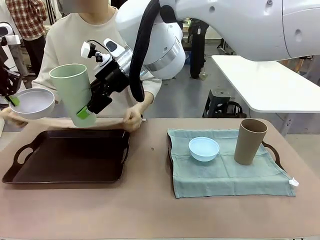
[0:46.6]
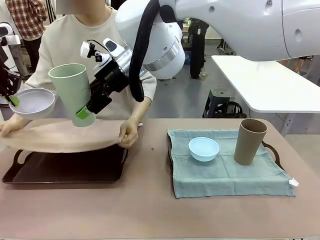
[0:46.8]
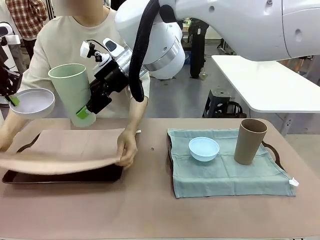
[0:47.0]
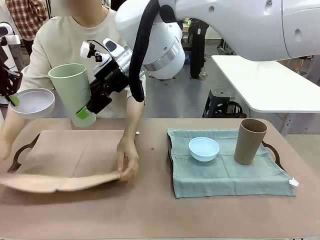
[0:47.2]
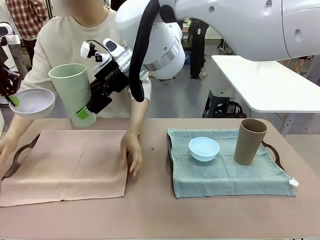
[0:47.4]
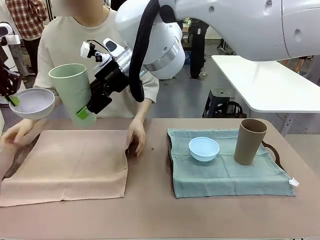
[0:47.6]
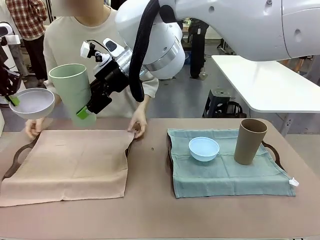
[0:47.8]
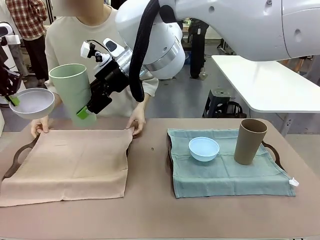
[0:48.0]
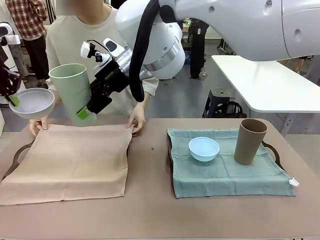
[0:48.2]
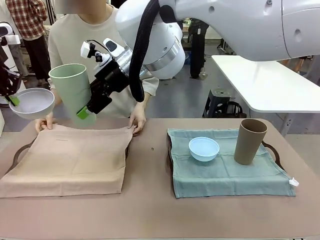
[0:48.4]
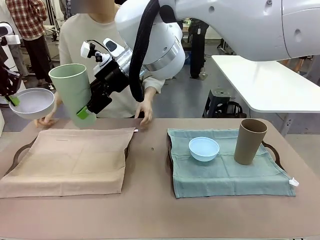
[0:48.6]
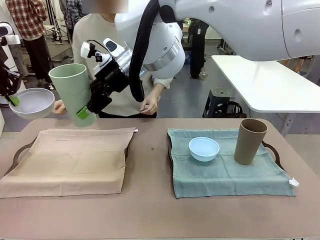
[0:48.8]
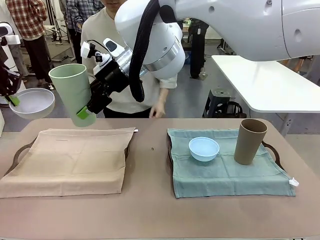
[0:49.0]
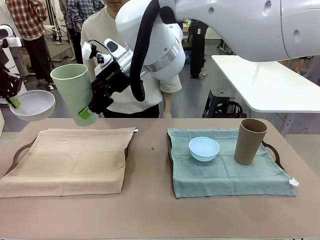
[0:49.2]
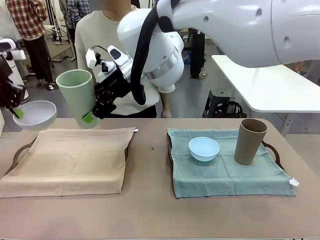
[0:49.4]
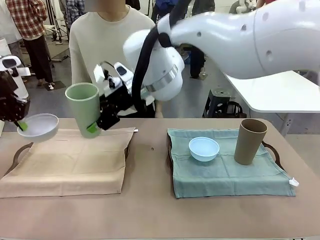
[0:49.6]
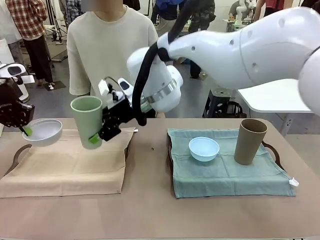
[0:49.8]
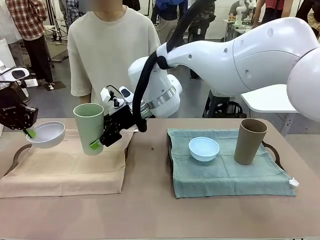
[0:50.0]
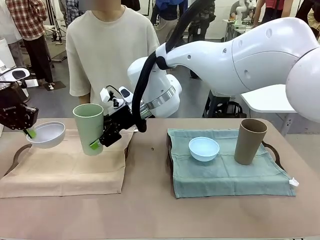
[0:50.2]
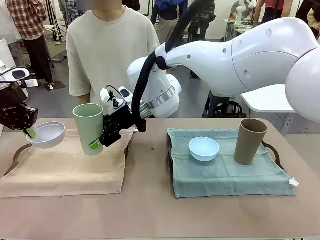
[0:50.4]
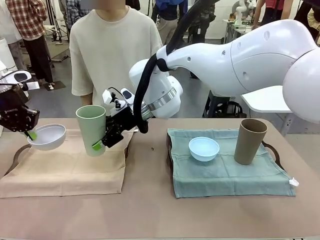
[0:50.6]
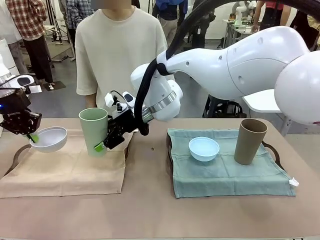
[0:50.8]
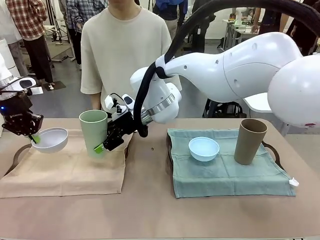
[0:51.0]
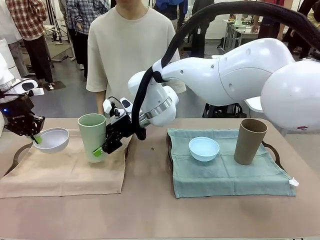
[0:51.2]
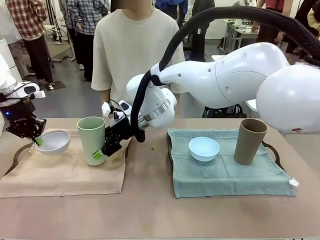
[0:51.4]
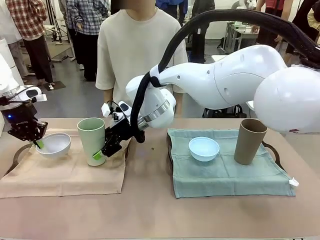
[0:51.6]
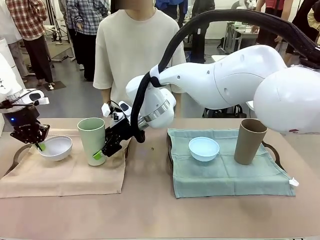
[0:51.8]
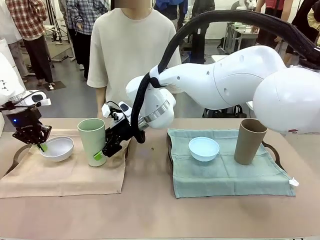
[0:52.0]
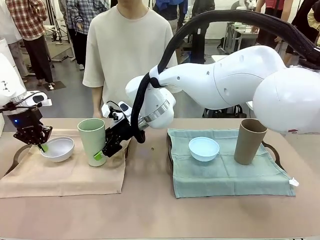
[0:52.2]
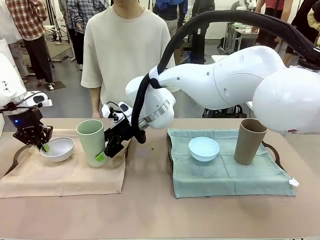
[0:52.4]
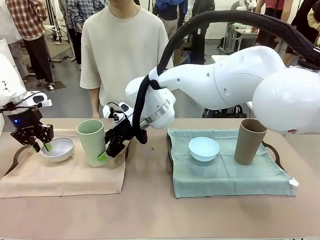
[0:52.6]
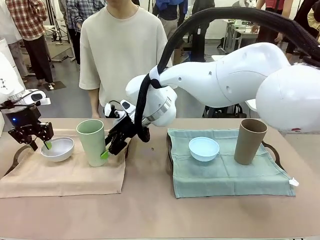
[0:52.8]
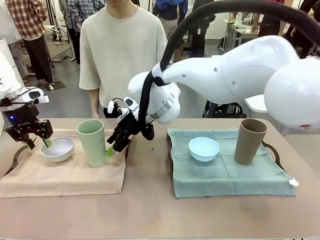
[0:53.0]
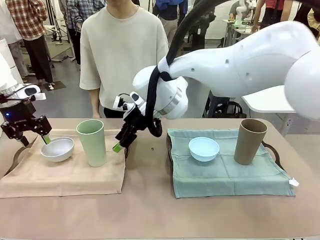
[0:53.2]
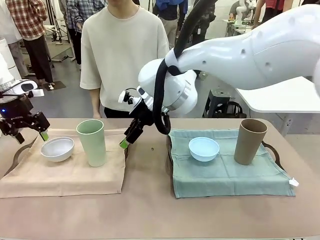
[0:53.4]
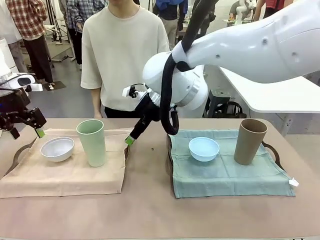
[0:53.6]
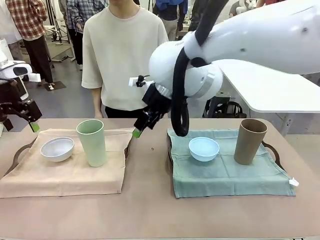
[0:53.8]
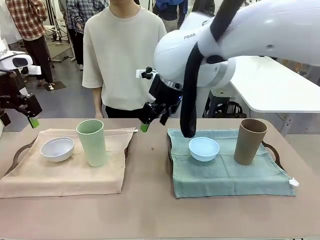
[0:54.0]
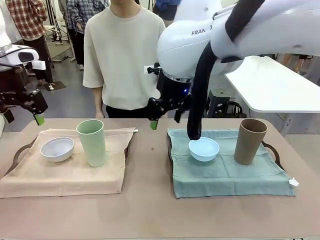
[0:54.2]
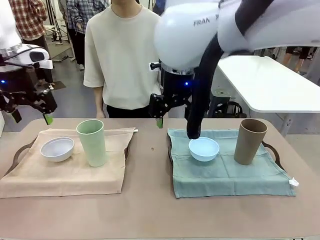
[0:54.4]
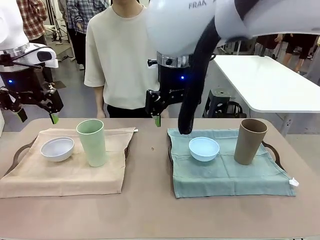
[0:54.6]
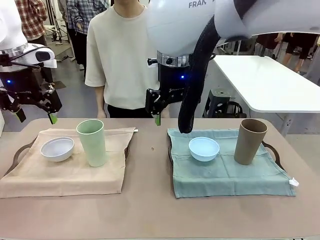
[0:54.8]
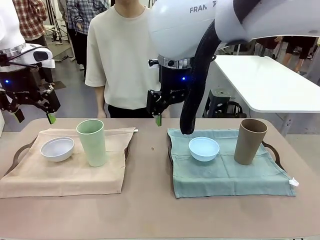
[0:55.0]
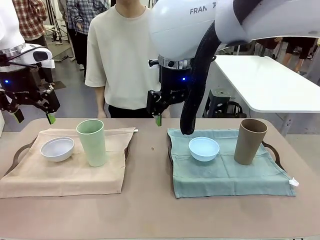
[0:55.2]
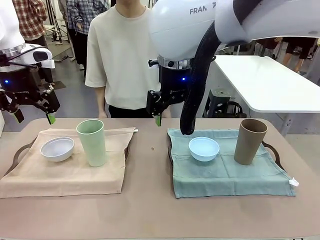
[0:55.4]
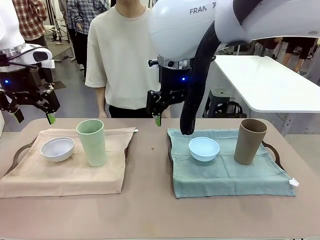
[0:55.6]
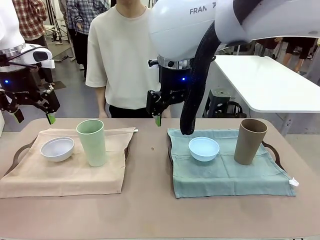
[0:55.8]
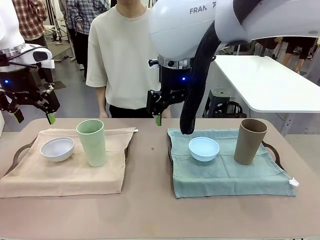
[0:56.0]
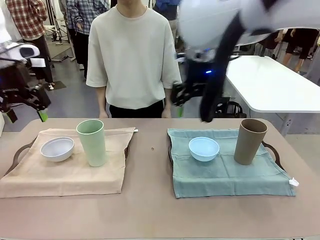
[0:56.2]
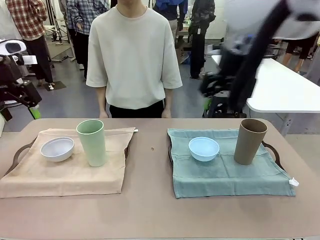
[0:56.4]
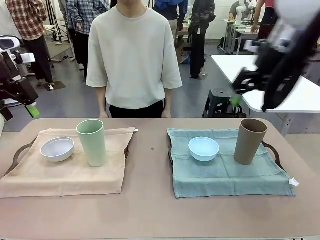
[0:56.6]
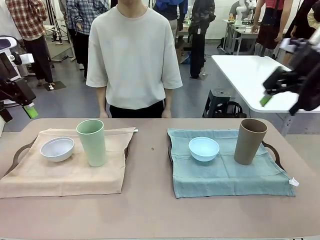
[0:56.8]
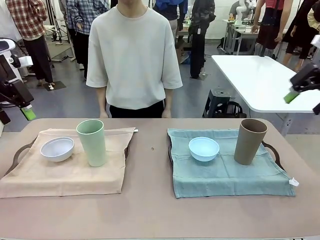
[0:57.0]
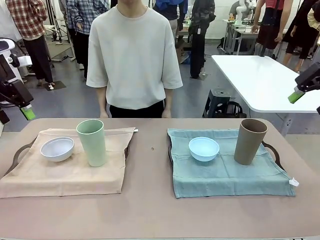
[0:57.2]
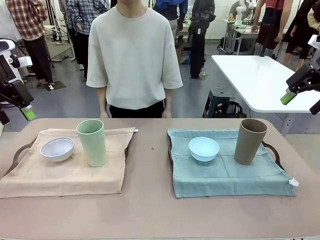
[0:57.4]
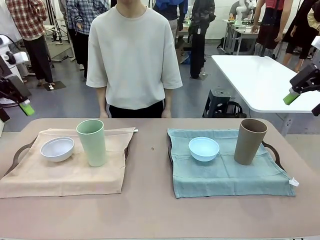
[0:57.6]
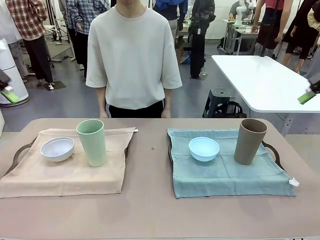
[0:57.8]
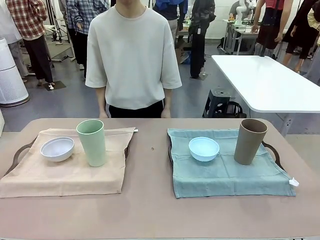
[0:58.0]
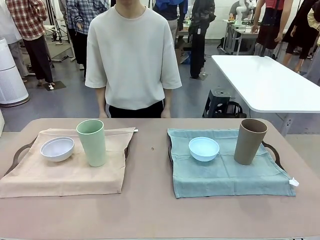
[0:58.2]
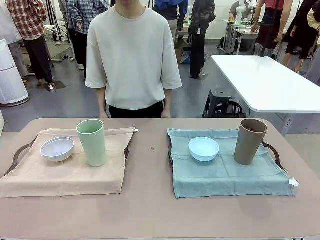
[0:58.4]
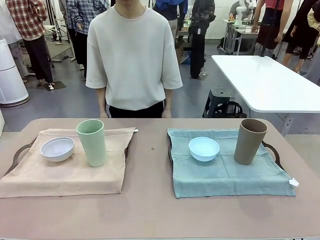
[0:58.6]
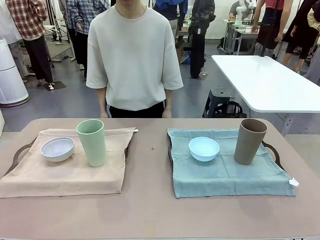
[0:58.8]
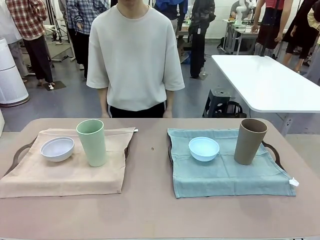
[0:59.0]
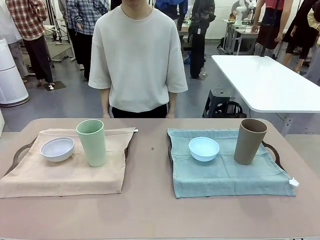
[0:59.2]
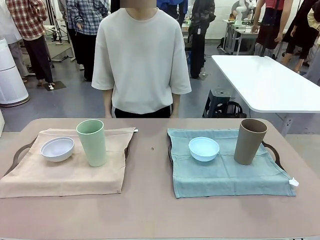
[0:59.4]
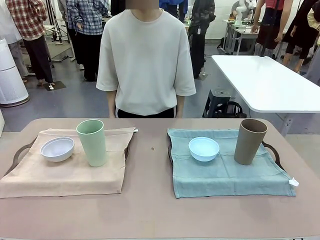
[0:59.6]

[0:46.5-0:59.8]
Robot: Place the Picnic Bowl and Reusable plastic cup back onto the Handle tray in front of the human's position.

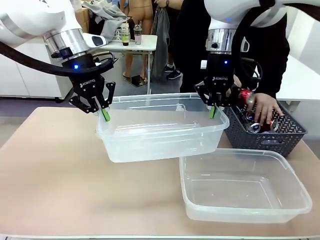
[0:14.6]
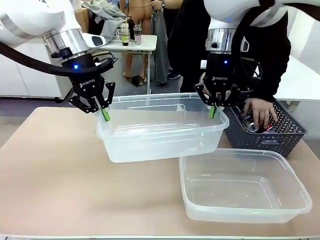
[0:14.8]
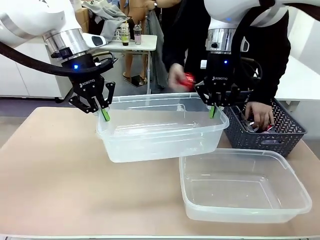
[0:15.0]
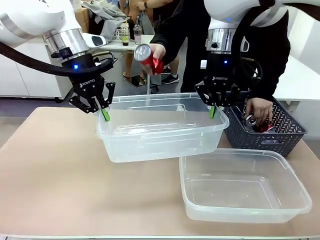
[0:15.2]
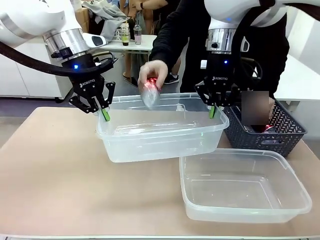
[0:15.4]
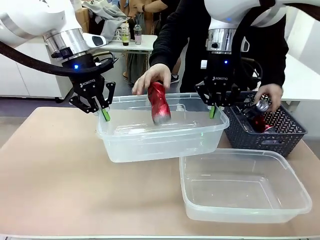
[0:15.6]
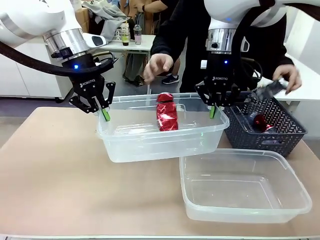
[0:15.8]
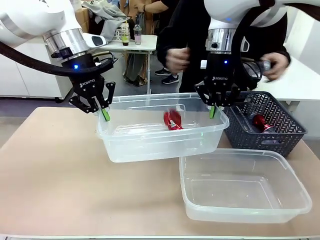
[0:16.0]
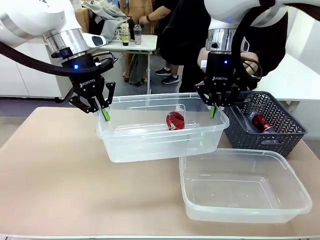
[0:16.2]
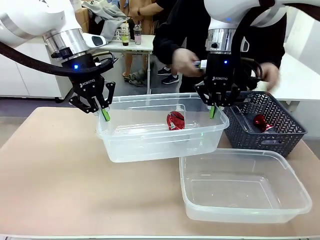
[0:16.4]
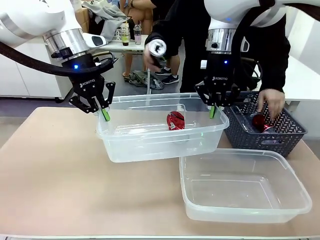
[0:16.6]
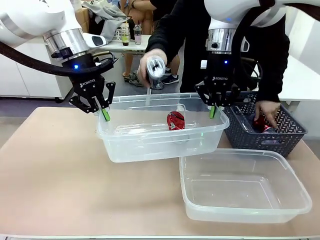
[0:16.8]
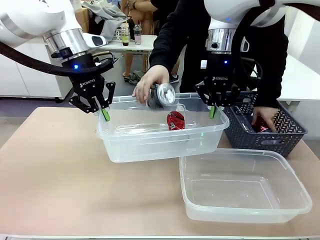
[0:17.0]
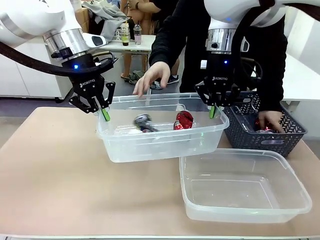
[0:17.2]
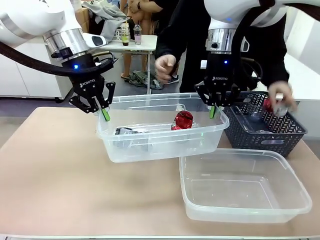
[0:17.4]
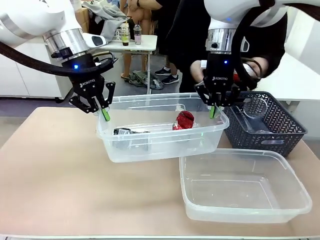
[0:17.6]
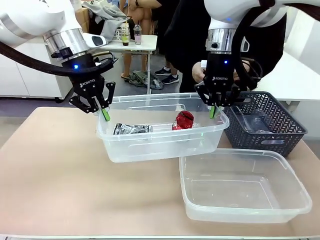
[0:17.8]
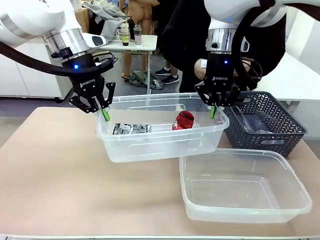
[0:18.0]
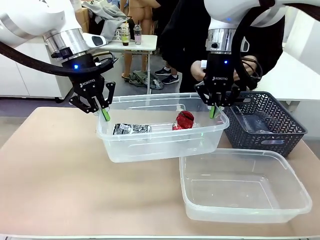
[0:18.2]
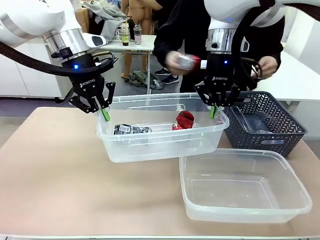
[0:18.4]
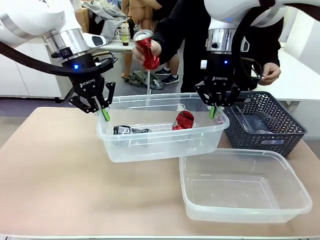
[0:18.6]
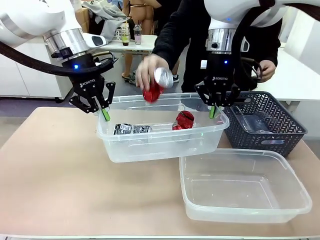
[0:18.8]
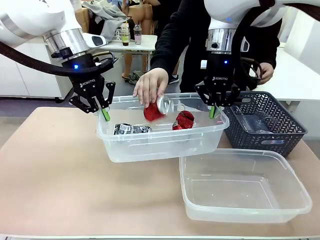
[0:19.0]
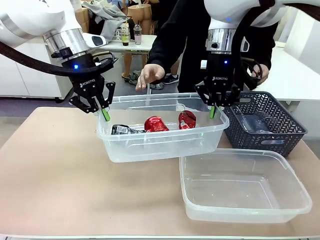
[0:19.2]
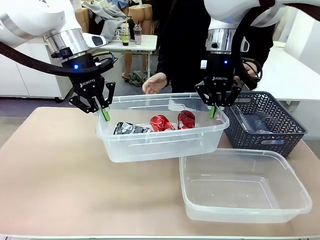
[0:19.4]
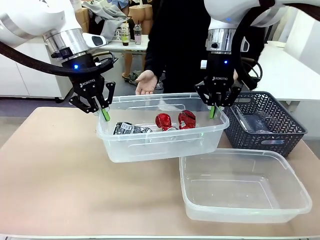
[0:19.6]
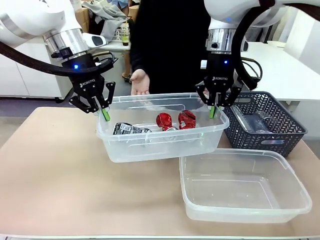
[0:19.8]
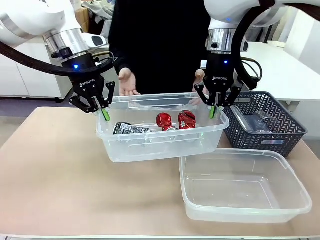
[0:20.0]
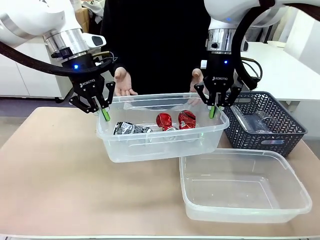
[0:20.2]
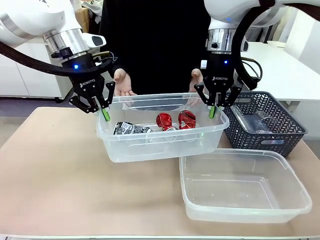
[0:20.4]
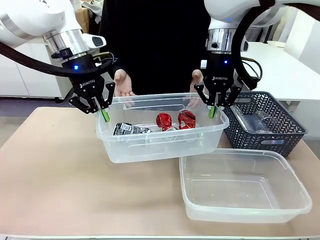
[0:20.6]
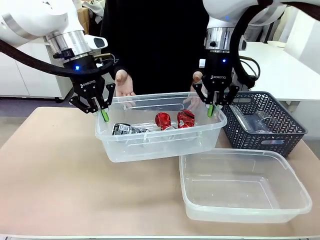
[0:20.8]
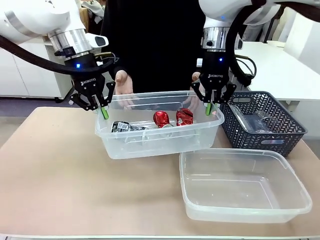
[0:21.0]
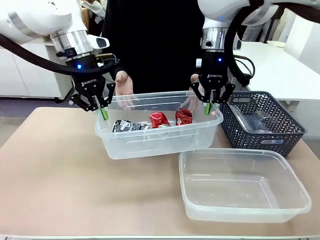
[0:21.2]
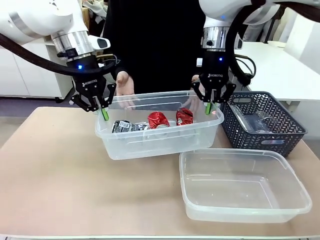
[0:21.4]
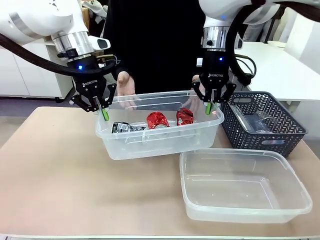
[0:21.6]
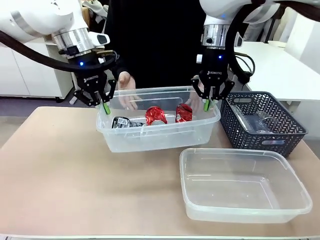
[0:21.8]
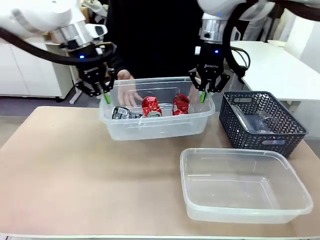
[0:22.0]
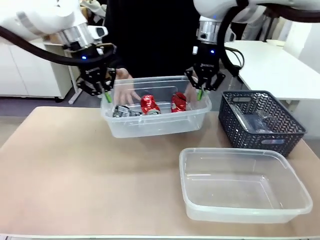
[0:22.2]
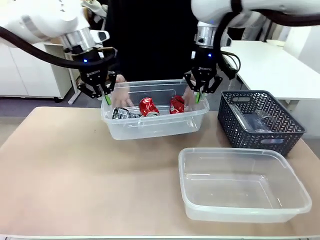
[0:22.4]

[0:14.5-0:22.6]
Robot: Offer the picked Organizing box to the human.

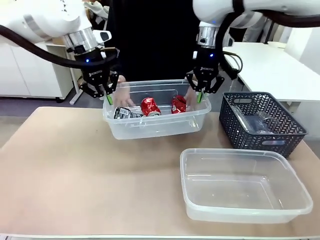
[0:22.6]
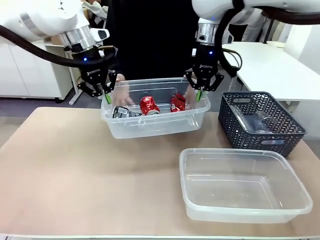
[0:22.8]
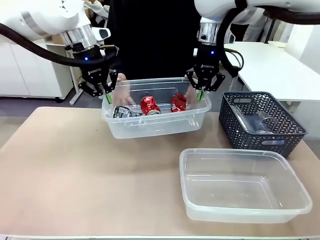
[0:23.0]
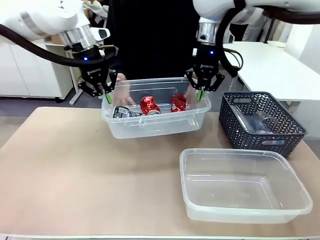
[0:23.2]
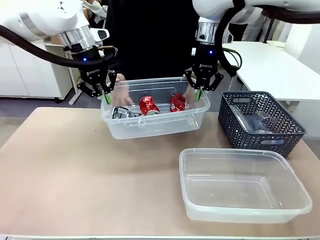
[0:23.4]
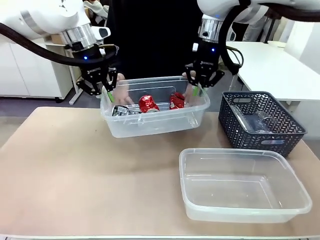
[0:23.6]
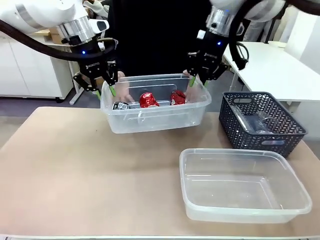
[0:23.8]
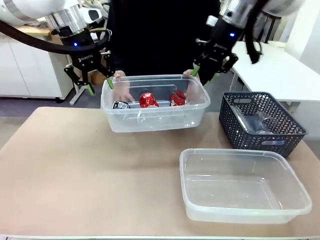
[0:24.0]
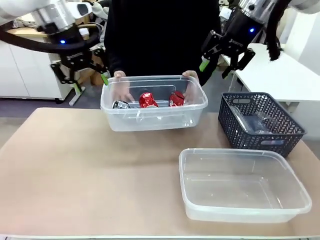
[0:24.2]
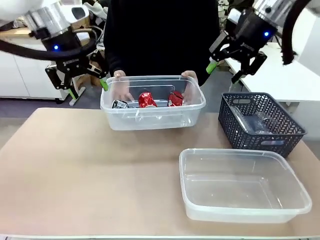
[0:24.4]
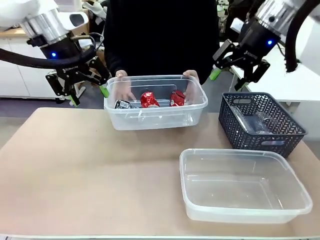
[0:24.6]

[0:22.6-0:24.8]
Robot: Release the Organizing box you were holding.
